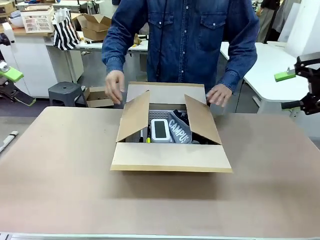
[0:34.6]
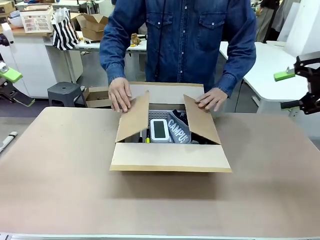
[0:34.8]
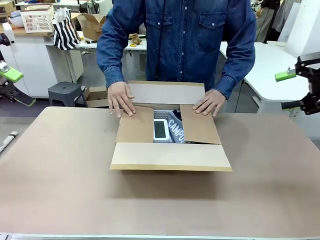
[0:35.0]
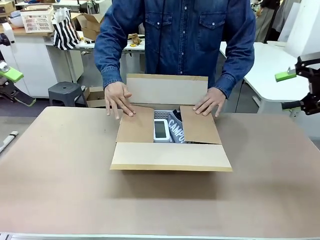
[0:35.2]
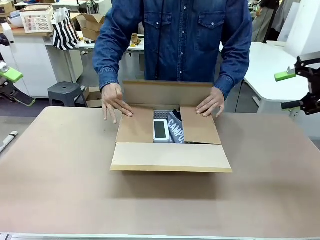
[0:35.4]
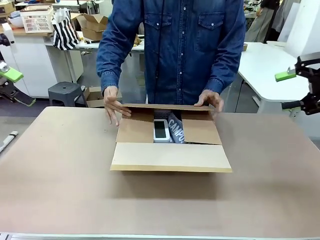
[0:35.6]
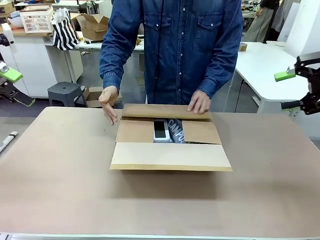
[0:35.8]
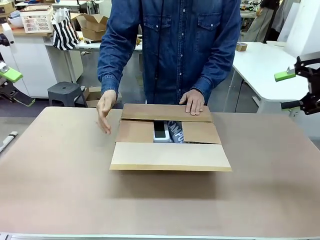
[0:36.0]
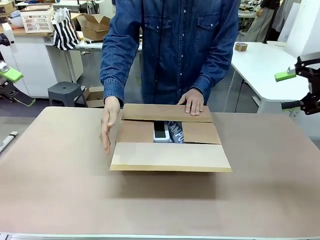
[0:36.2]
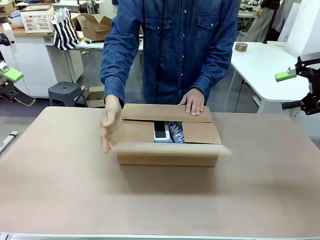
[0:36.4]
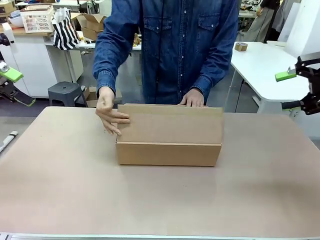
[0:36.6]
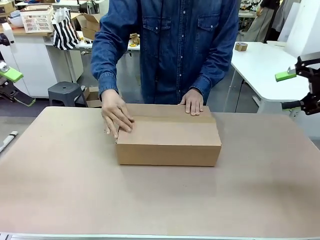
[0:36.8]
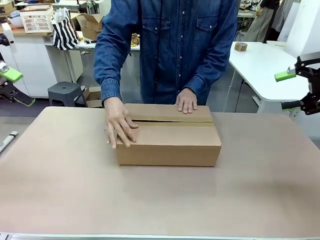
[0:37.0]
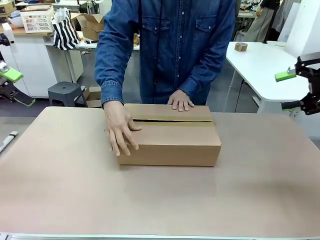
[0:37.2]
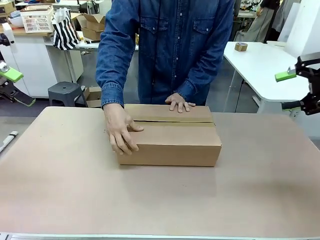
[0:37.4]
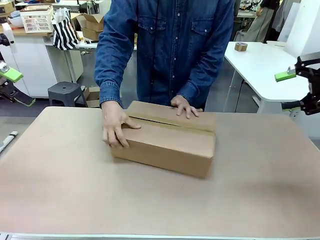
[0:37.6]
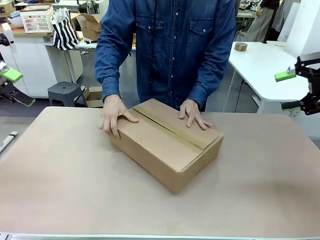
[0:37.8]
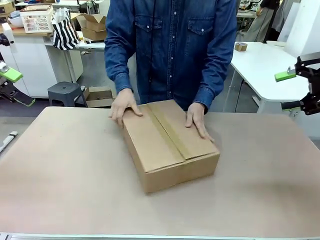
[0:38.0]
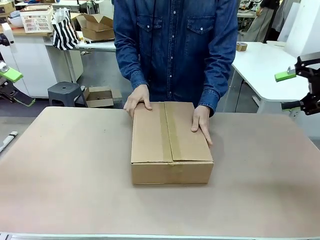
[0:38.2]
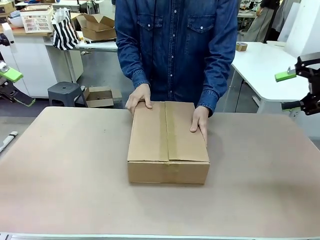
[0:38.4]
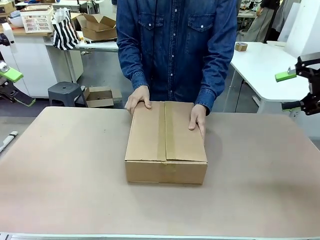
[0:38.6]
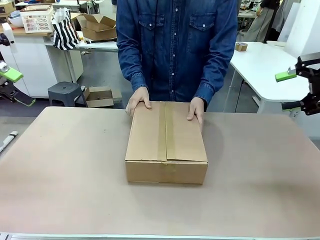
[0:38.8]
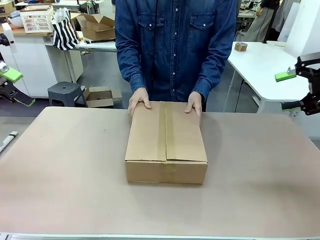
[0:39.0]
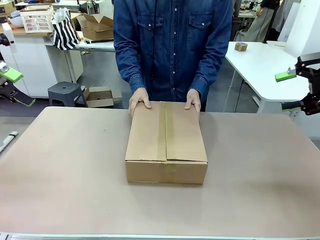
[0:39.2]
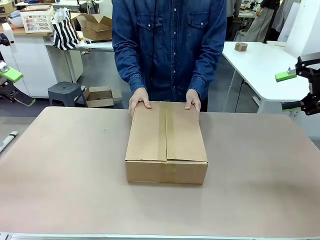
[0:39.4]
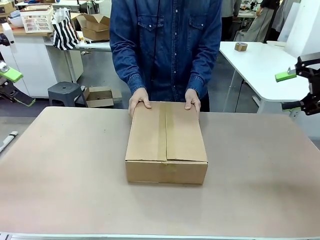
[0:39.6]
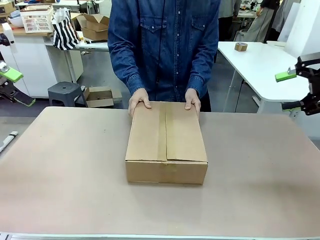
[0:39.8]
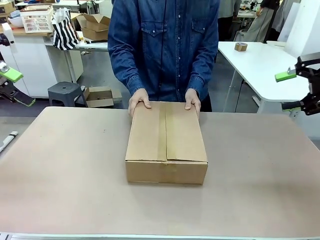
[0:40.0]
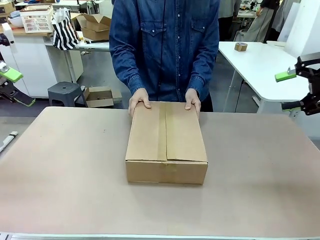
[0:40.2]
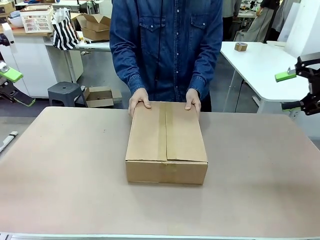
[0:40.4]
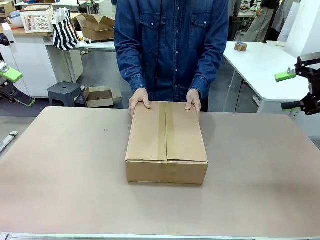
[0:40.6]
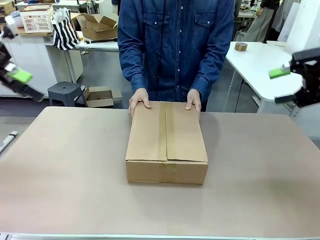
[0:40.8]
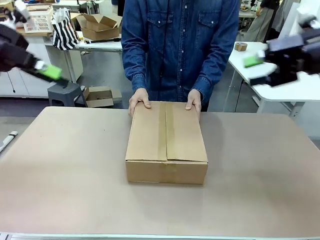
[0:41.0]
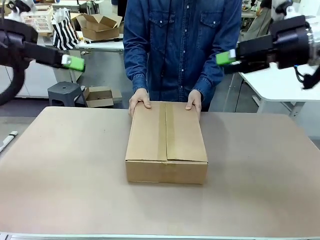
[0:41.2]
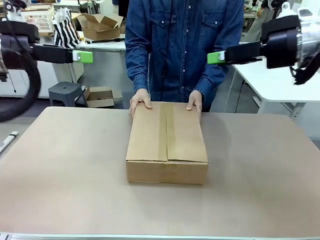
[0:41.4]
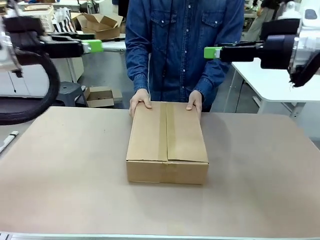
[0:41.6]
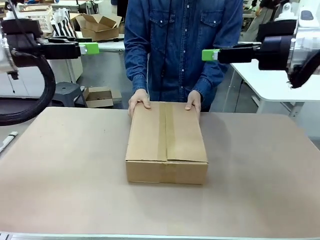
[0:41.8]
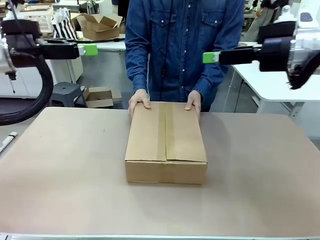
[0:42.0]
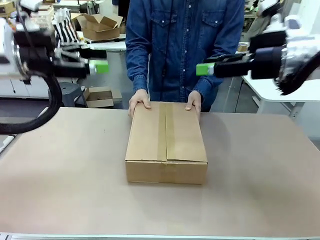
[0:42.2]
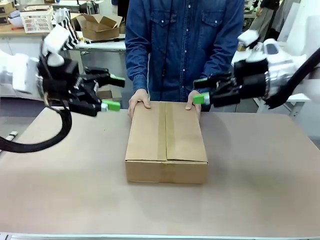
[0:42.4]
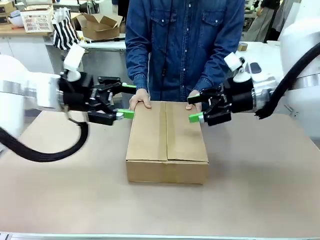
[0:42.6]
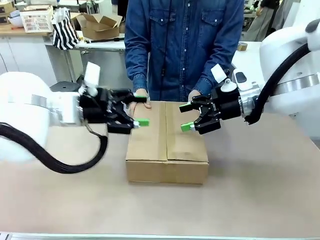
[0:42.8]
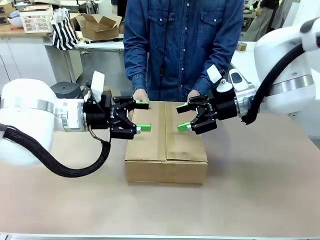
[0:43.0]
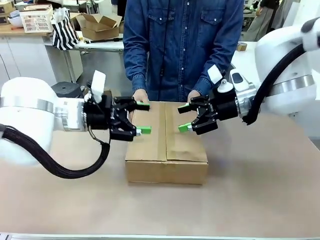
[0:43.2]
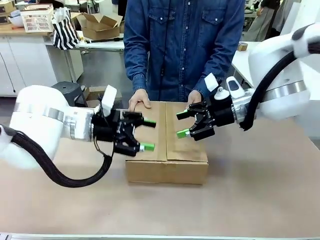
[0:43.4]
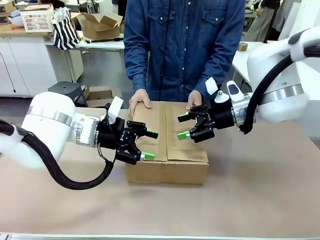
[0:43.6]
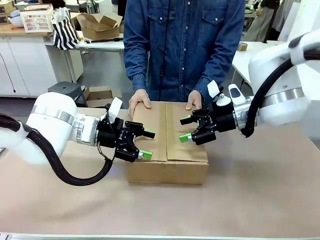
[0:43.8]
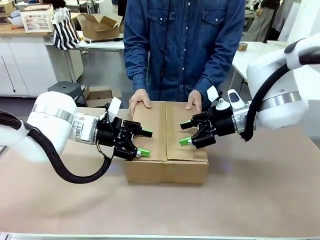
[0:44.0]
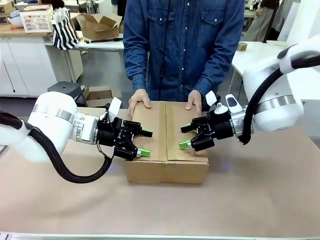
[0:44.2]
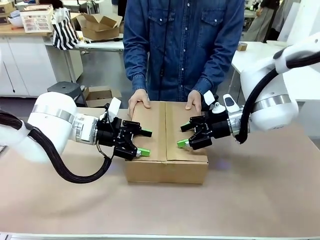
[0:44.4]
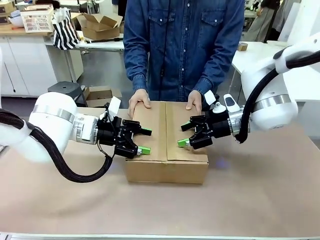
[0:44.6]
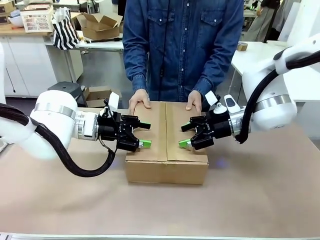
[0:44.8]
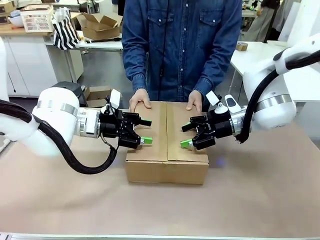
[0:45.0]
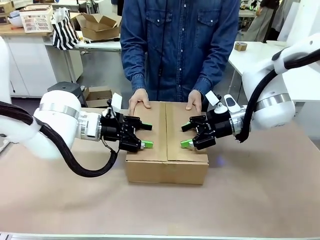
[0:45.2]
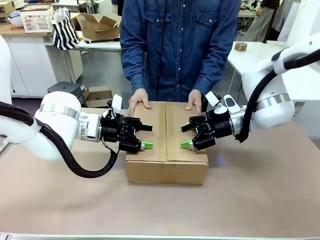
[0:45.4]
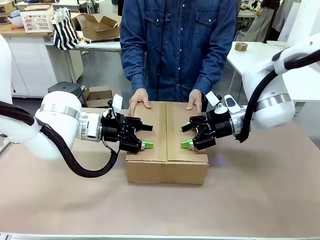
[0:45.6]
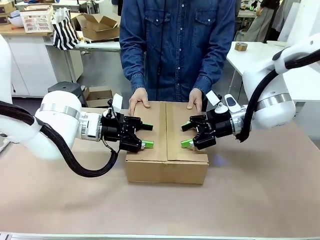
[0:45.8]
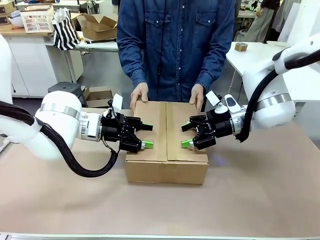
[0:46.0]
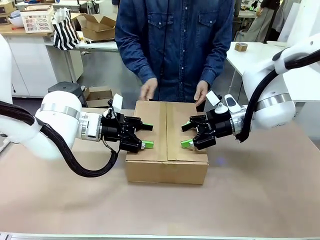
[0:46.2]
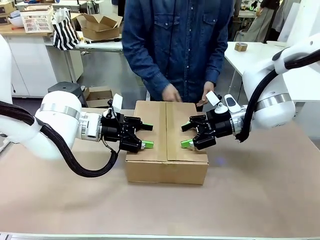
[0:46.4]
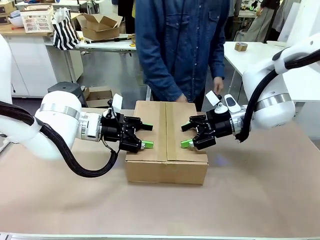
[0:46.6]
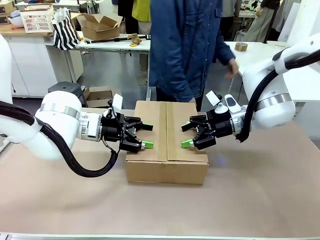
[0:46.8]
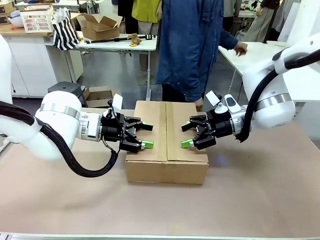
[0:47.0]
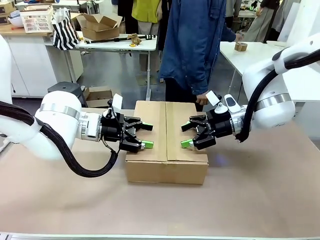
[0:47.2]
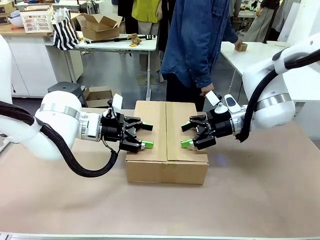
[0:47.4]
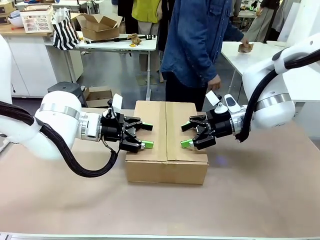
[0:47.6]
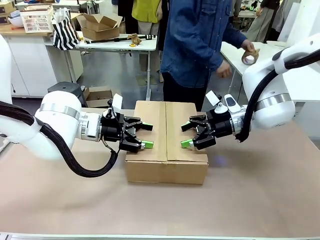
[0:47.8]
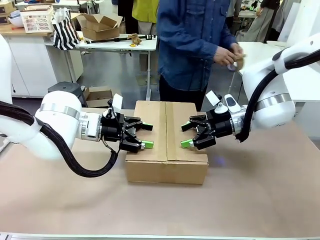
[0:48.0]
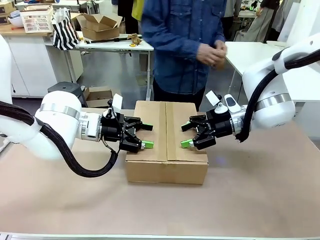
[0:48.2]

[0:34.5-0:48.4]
Task: Pack the gift set into the box.
Robot: Press and hold the closed box until the human finishes sealing it.
Person: The human closes the box and rotates the box by 90 degrees.
